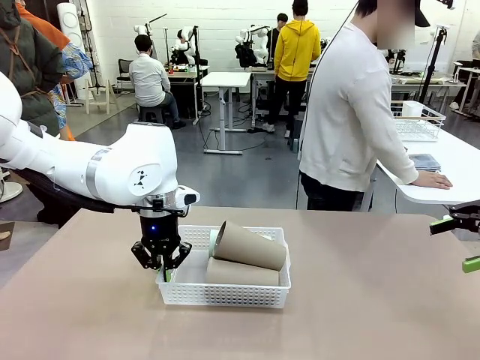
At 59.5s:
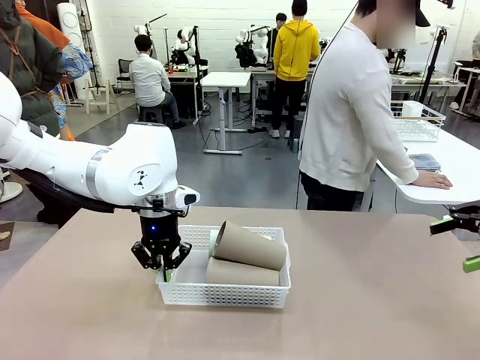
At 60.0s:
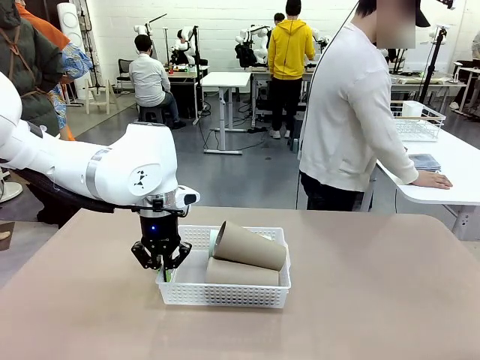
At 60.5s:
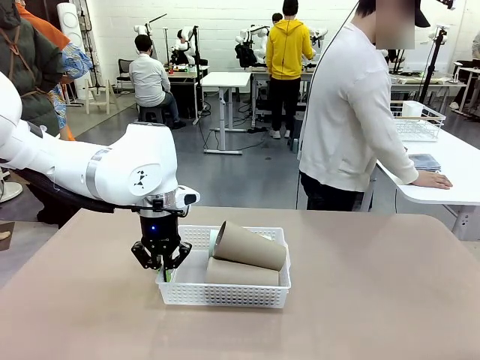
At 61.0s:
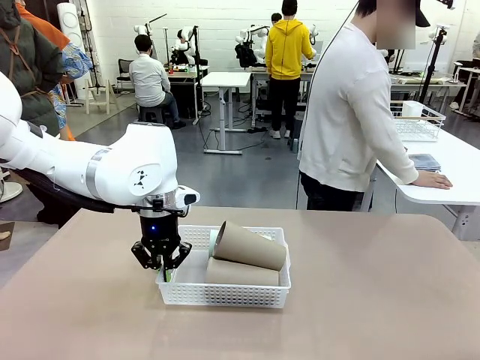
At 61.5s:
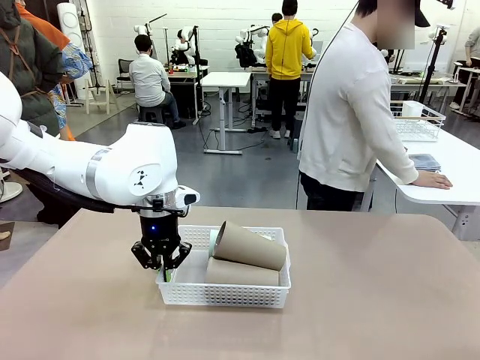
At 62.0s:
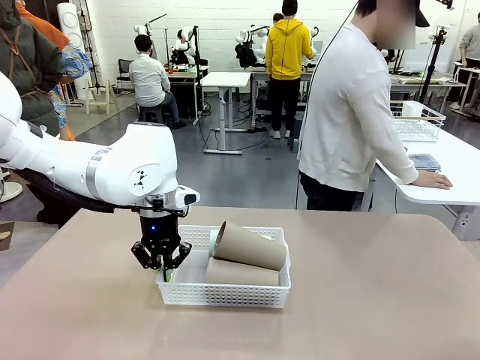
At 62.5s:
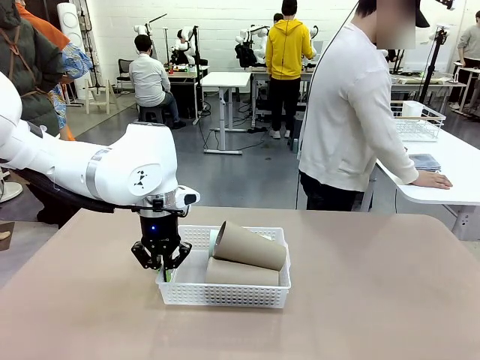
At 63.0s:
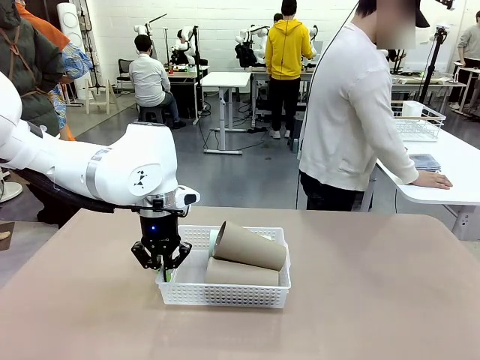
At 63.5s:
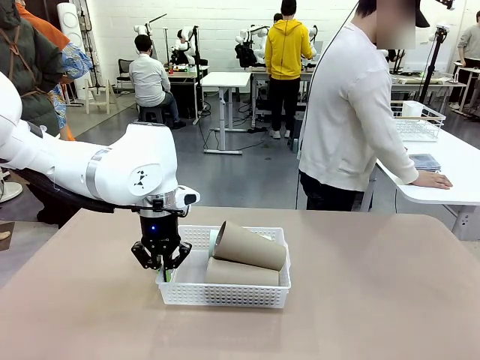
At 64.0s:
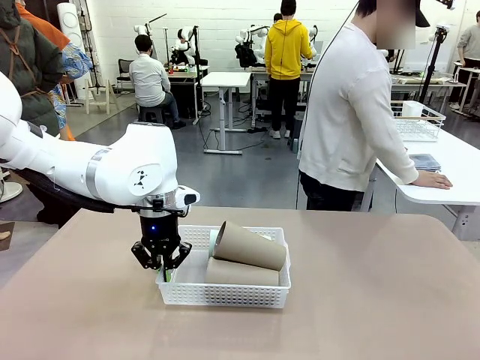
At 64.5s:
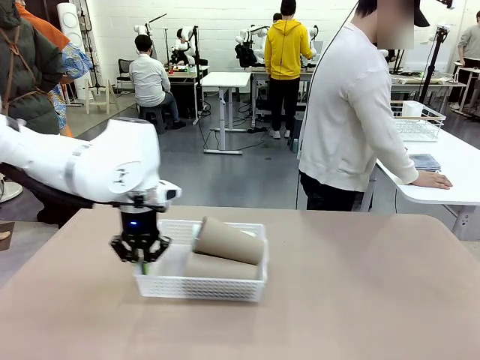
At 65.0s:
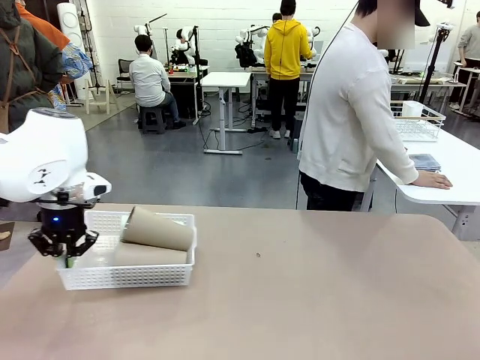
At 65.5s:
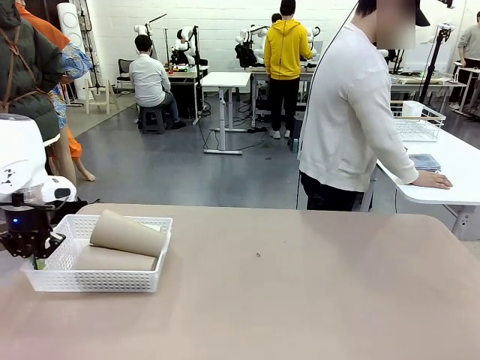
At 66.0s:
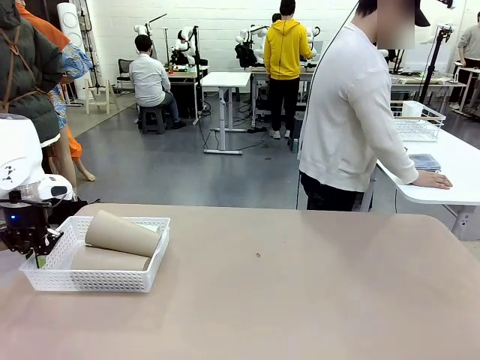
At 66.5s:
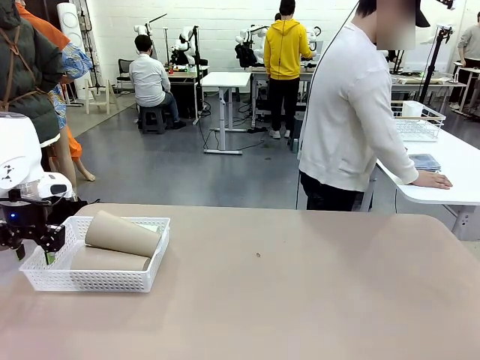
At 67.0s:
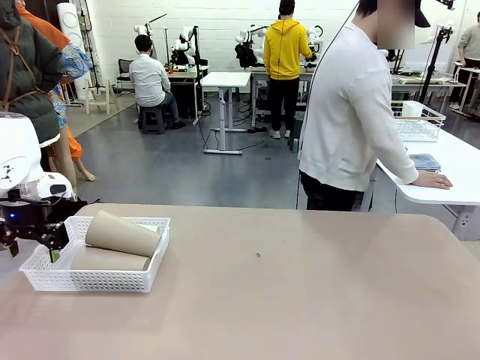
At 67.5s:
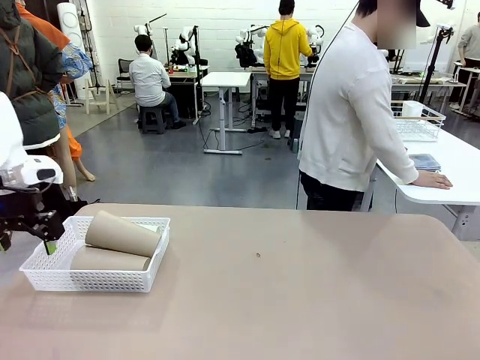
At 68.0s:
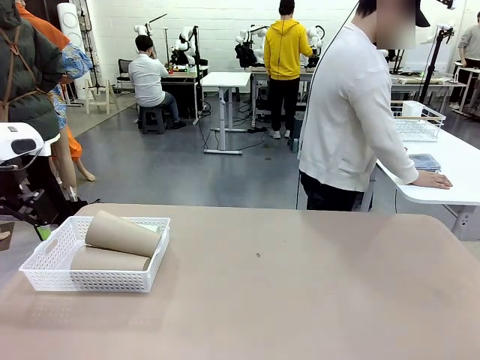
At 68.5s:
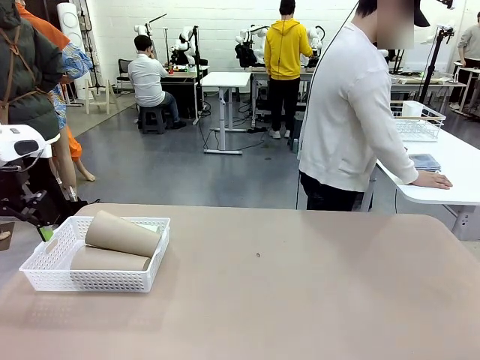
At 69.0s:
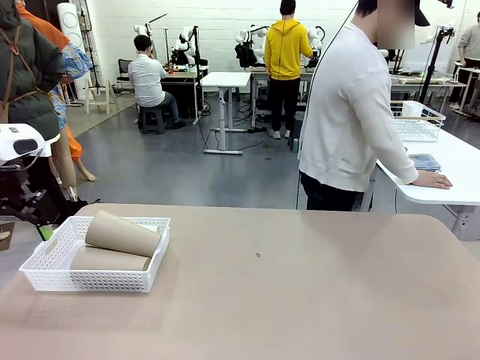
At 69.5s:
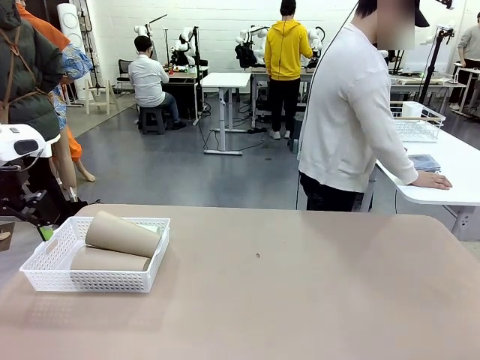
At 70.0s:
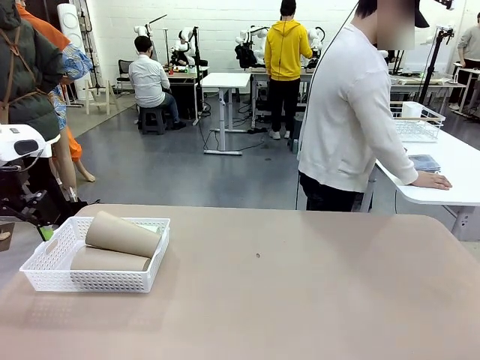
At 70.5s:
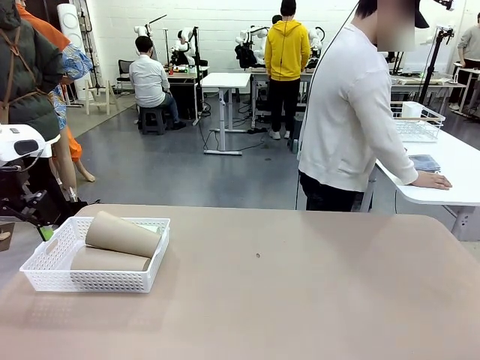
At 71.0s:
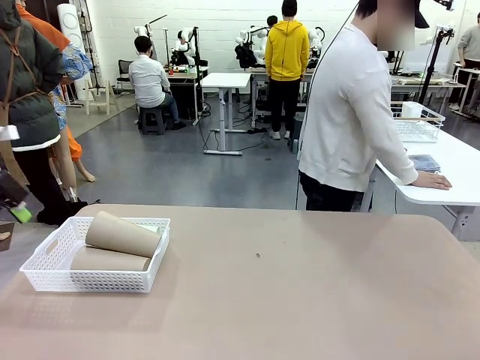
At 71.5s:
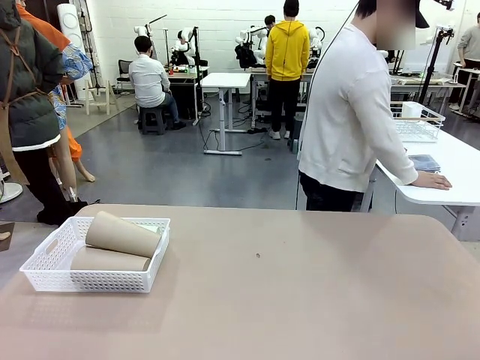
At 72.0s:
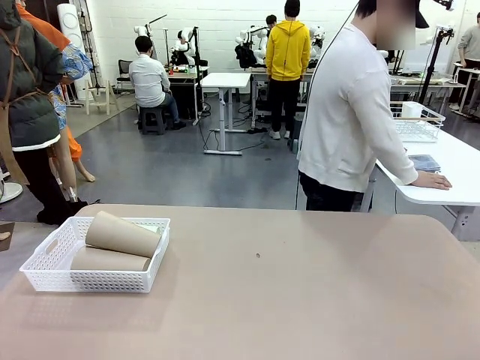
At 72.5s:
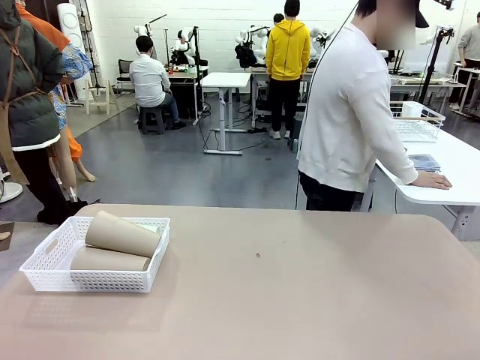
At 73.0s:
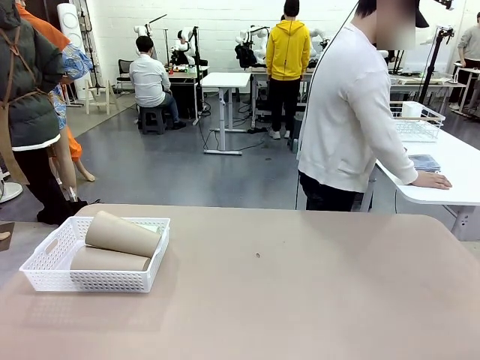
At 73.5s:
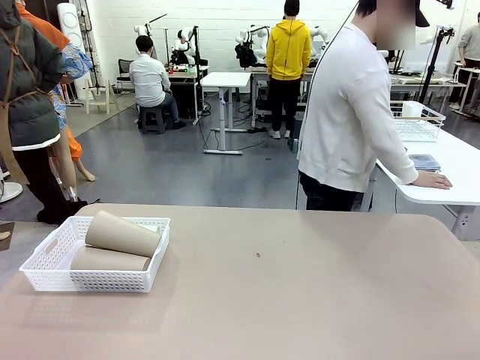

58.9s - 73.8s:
Task: Clean and organize the cups into the basket.
Robot: Move the Organizing basket back to the left side of the table.
Person: Folds the towel in half twice and places it in the right of the table.

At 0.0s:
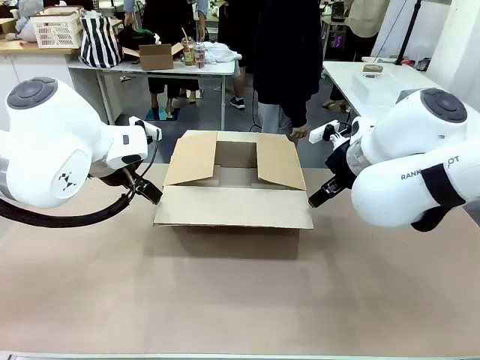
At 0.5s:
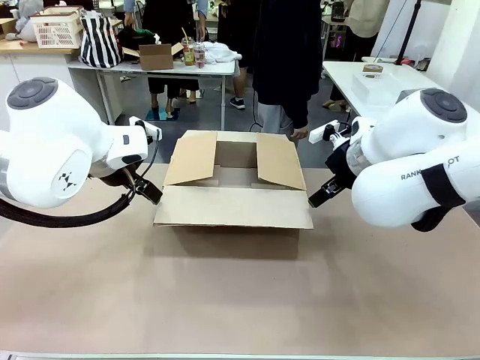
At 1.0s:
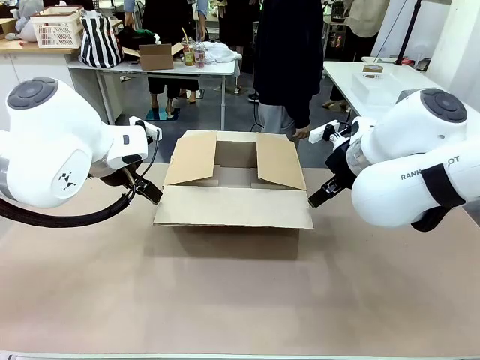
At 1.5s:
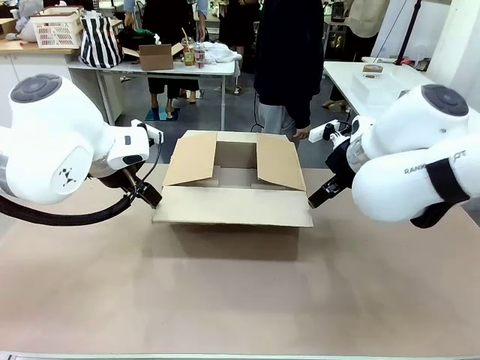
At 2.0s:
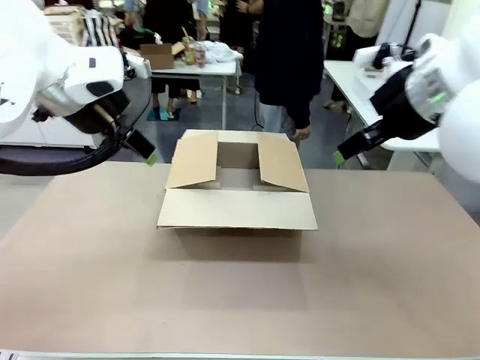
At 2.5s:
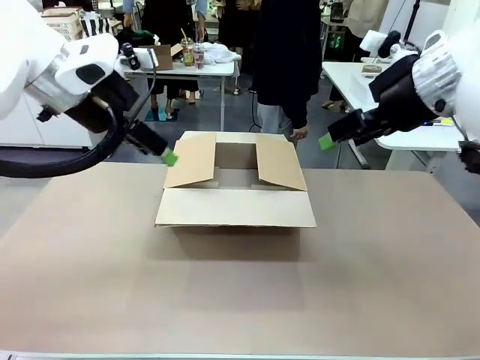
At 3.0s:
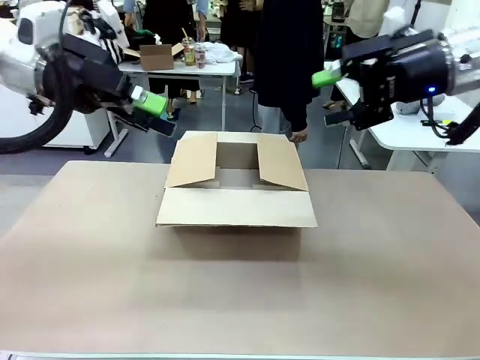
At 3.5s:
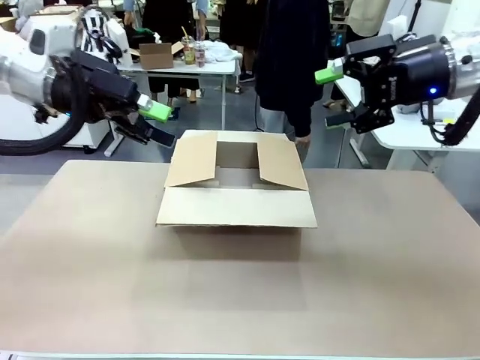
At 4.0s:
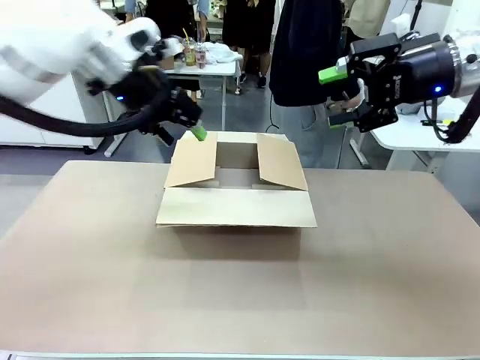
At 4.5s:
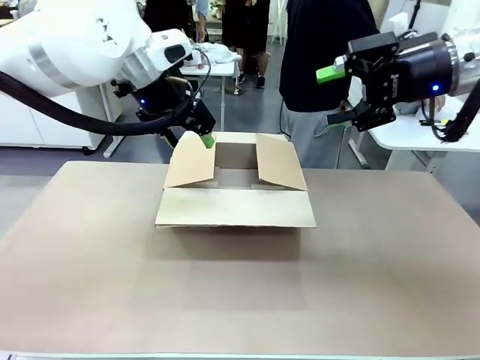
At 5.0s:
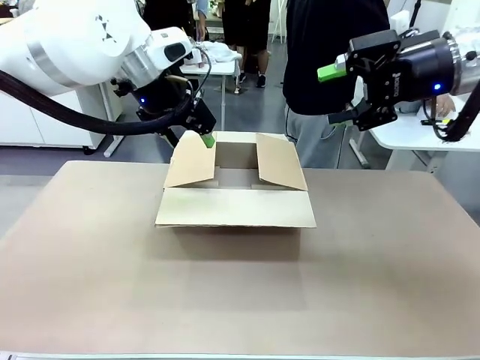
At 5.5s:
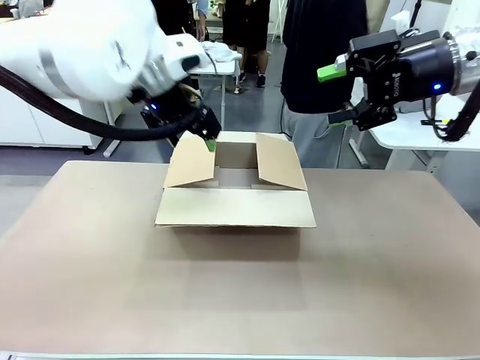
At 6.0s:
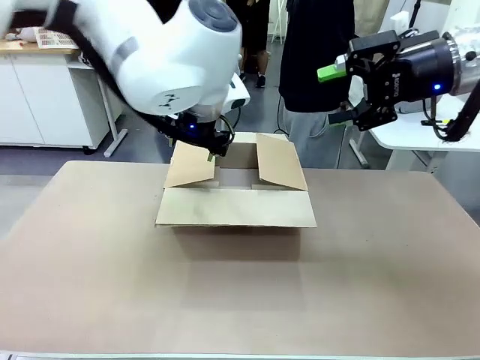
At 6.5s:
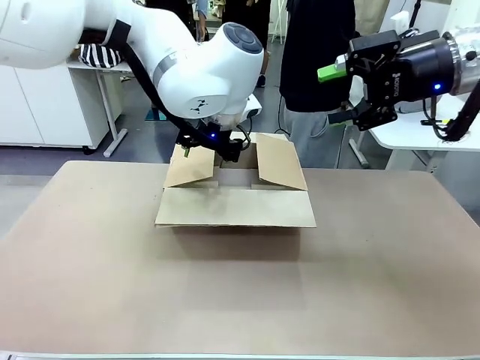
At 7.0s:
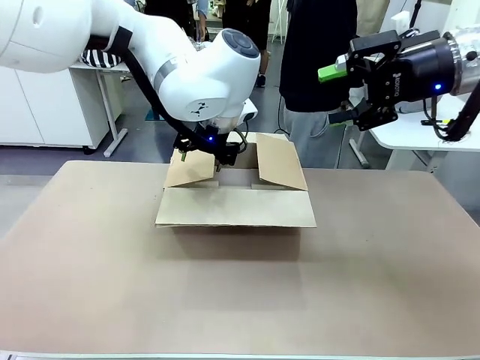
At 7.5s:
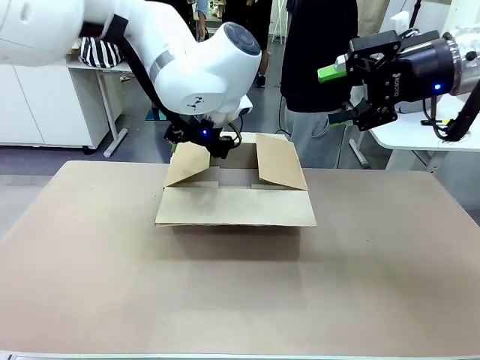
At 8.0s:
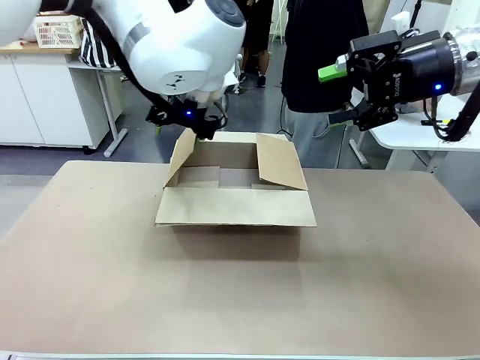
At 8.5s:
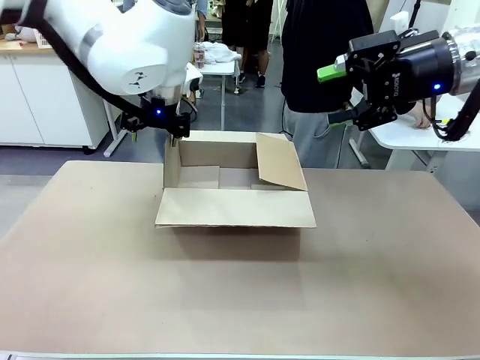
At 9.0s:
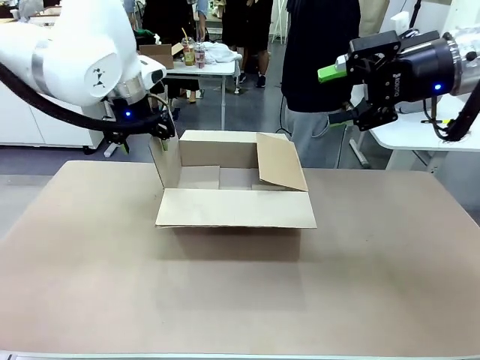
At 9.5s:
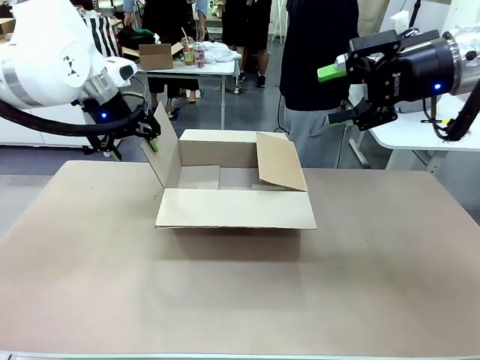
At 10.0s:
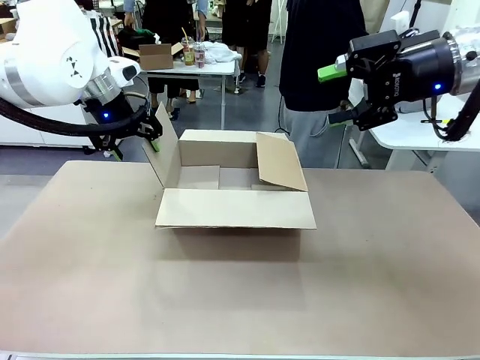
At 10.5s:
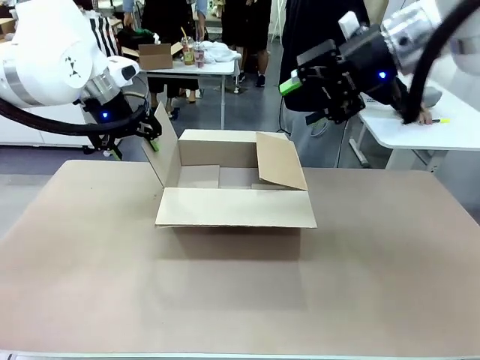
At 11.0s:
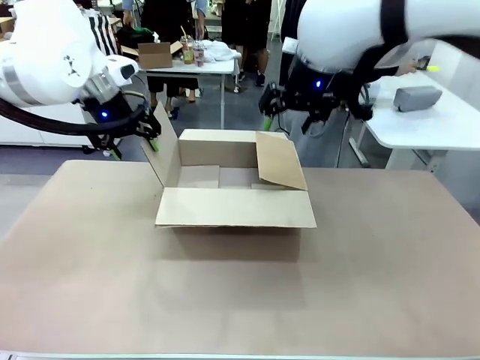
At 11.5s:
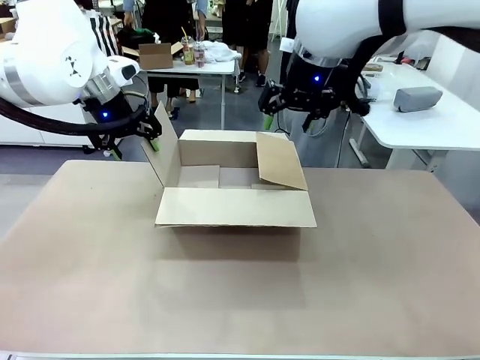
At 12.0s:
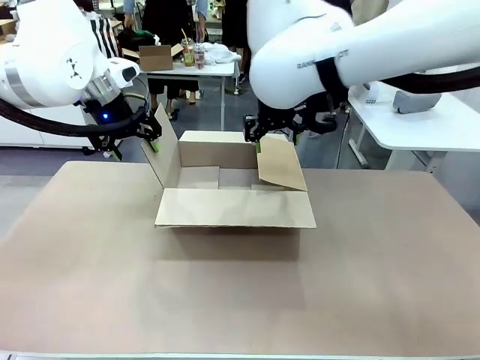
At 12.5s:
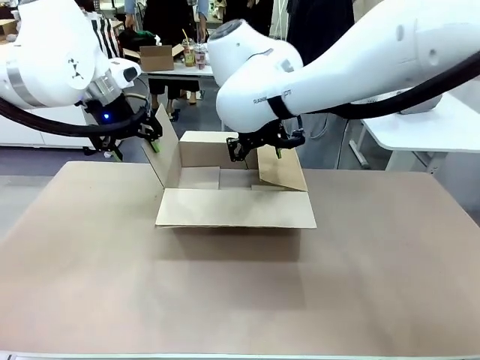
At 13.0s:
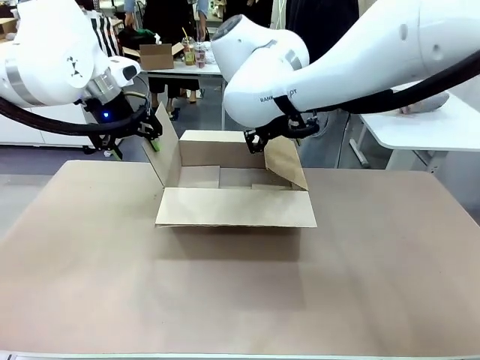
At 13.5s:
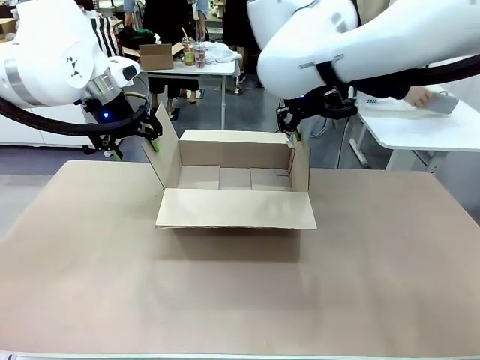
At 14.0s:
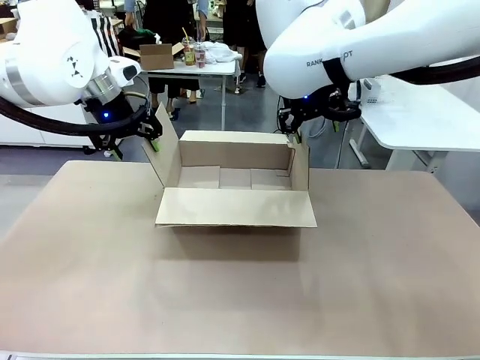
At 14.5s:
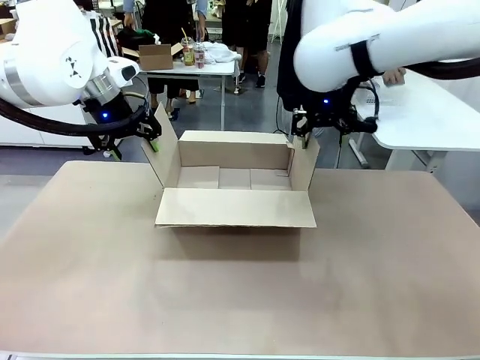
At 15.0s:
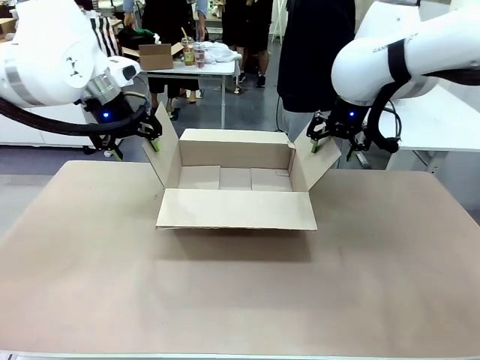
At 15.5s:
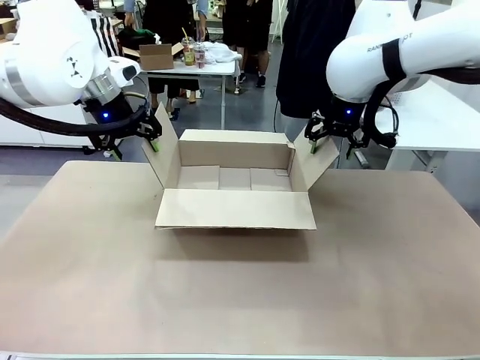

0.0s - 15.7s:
Task: Pack the gift set into the box.
Robot: Place both hands on the side flaps of the Package Box and spread them outward.
Person: The human places all items except the paper tape into the organizing basket.
